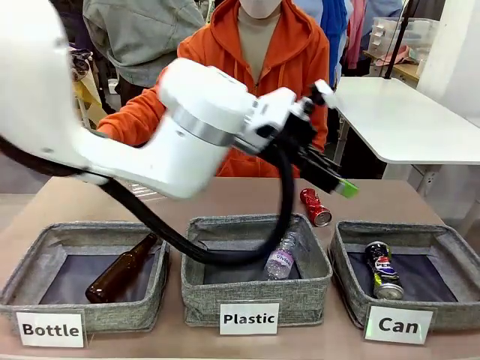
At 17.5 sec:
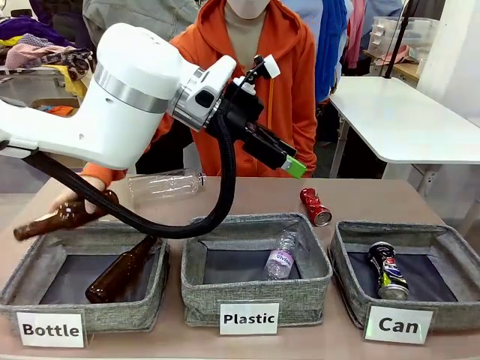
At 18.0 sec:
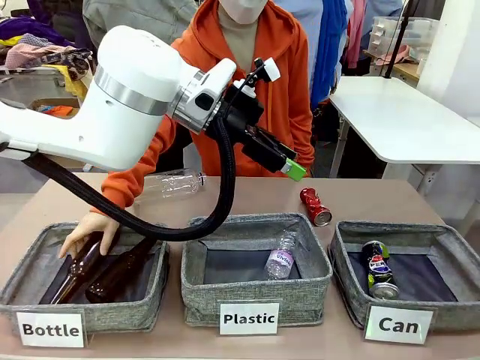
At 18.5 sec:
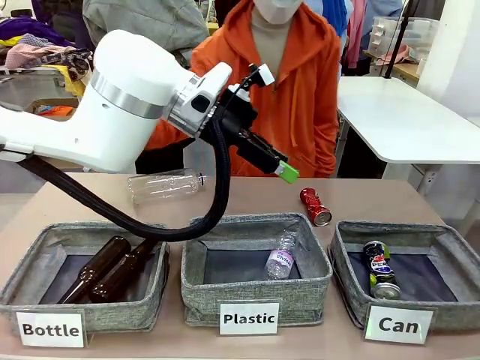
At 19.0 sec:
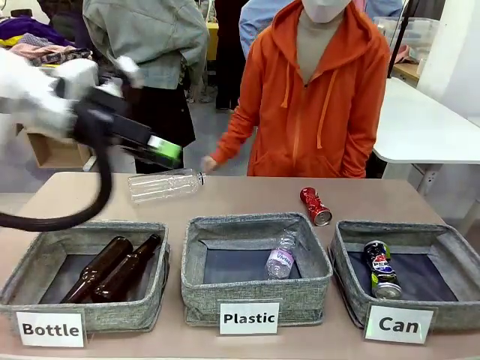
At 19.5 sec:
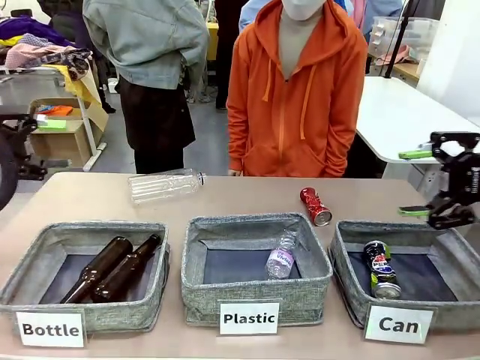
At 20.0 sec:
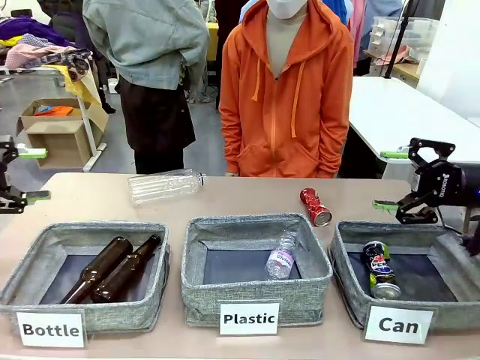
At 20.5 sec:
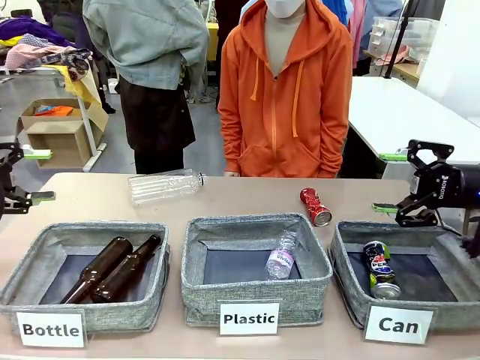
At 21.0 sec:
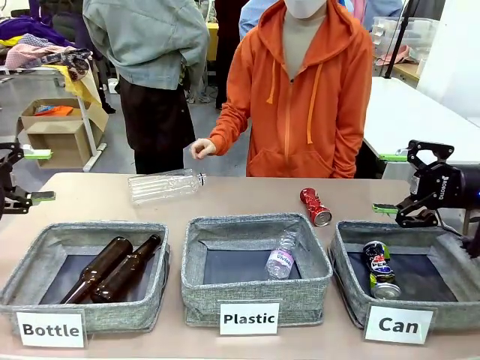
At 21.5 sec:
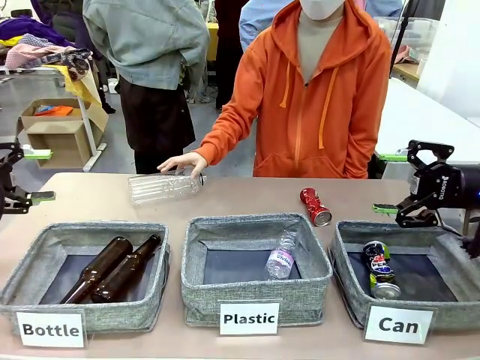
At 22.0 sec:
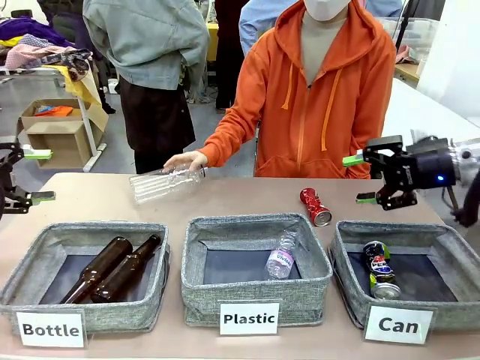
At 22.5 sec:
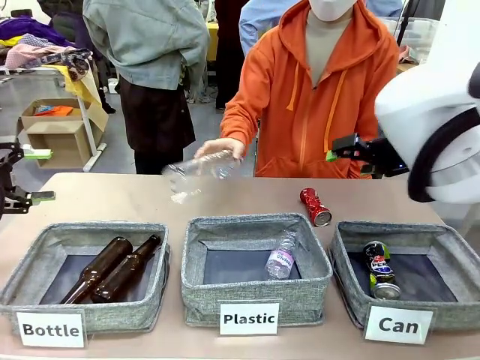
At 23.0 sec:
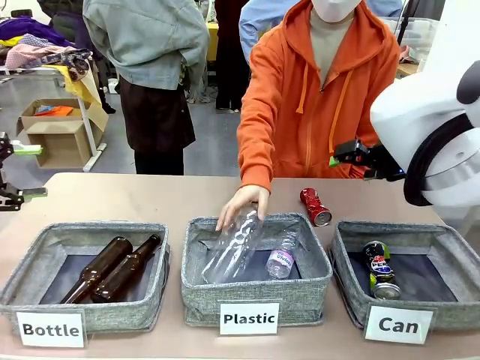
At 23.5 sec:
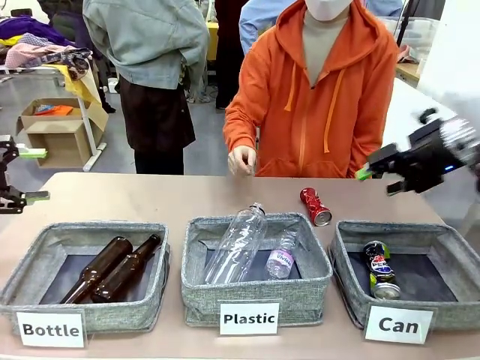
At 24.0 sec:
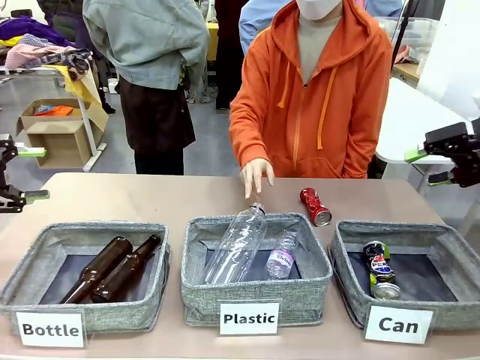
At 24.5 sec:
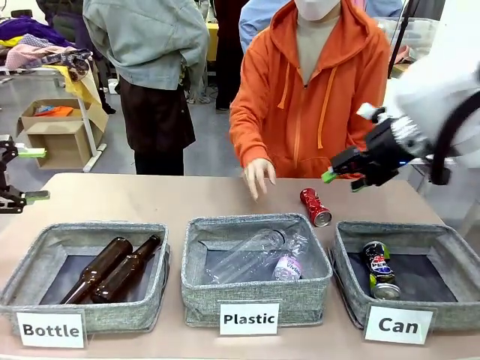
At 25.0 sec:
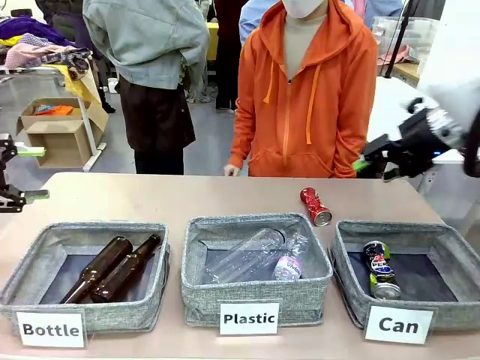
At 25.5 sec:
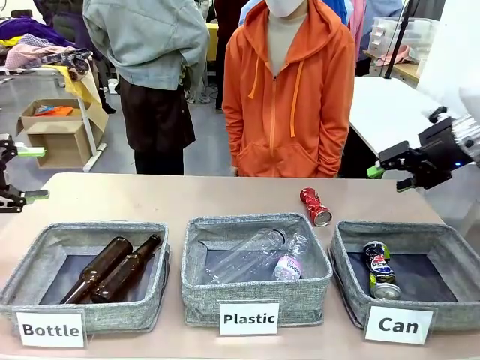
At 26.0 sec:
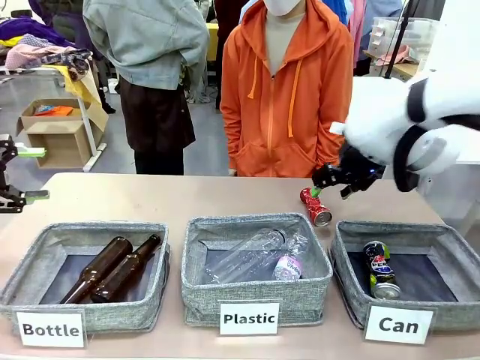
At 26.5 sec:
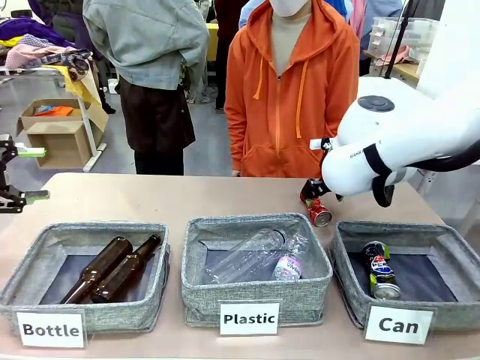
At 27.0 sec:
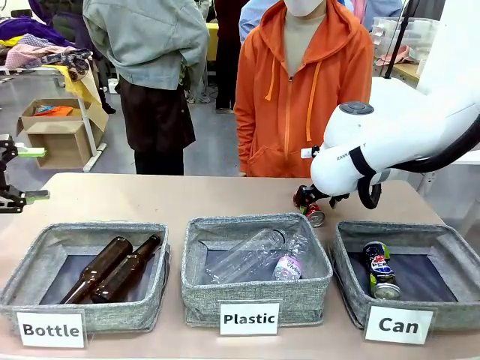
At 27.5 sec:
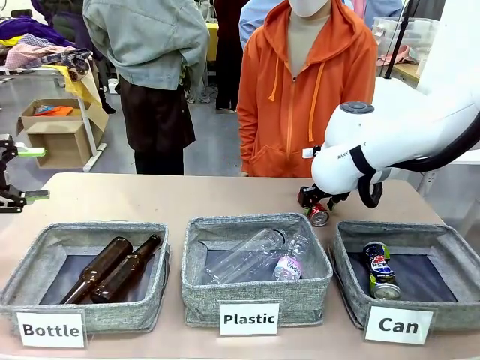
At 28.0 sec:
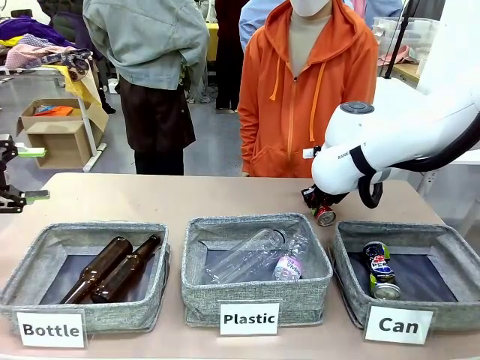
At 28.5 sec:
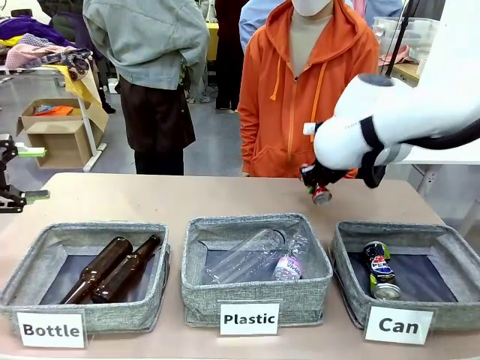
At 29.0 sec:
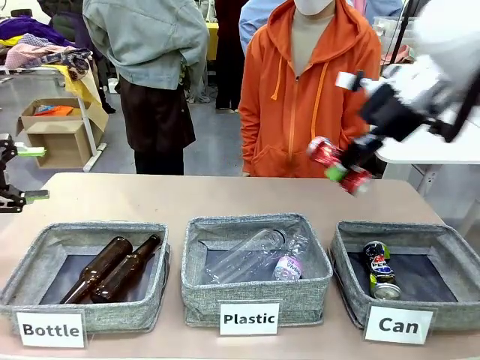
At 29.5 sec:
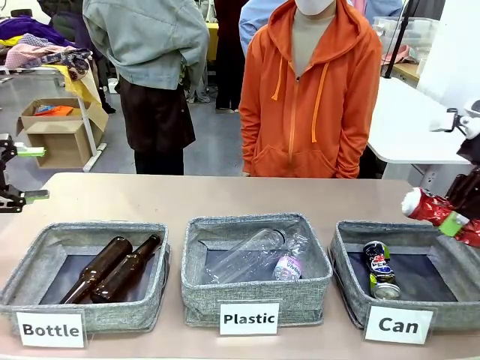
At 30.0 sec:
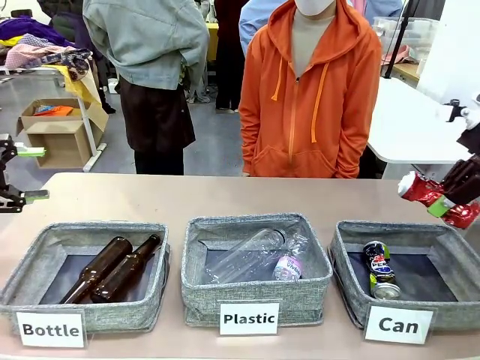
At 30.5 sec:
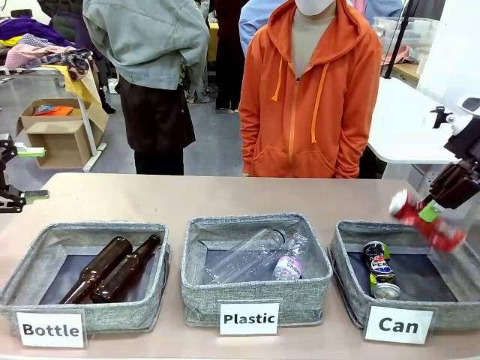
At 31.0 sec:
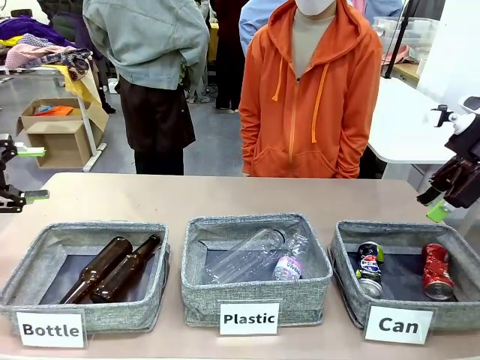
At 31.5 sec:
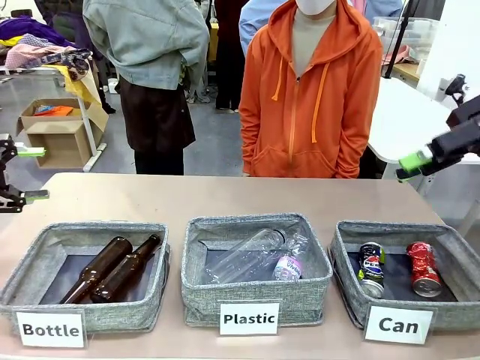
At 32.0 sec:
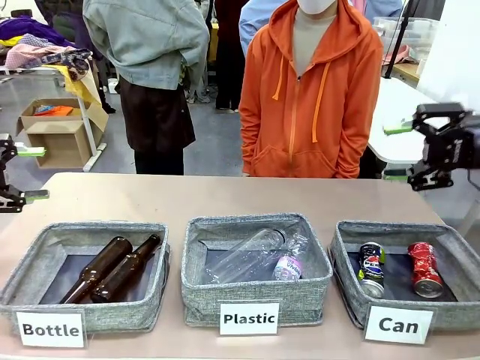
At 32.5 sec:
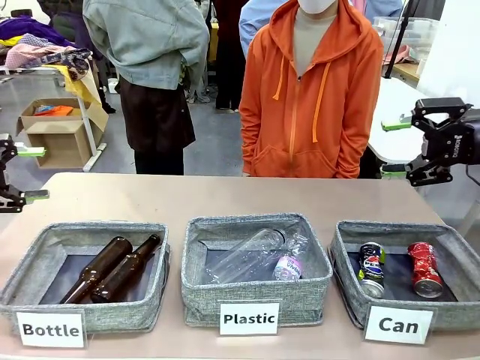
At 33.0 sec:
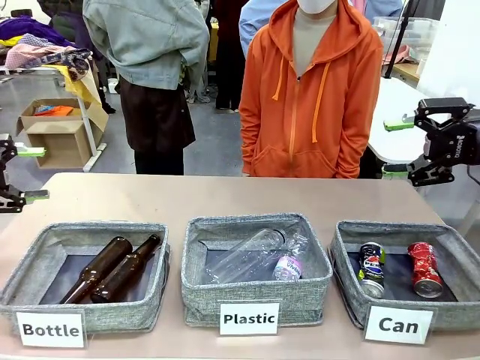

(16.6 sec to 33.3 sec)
Task: Sort the can waste into the basket.
Robot: Pick up the can waste from the table and place it in the right Fabric basket.
Person: The human picks up one piece of trash that is not a can and places the trash into the appropriate organizing basket.
